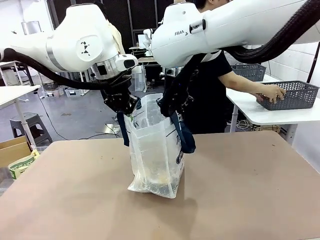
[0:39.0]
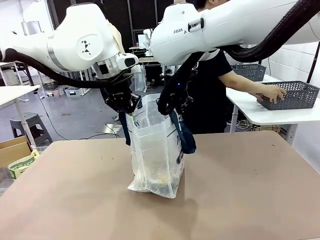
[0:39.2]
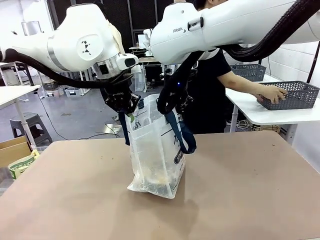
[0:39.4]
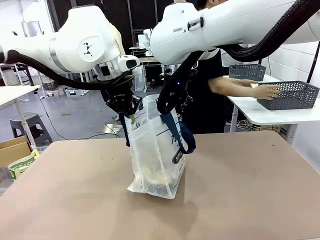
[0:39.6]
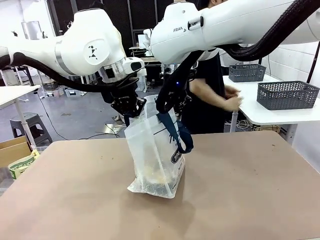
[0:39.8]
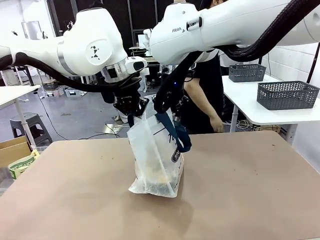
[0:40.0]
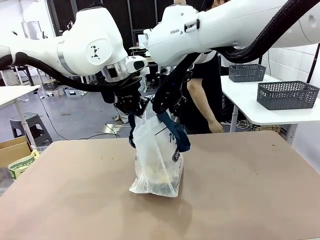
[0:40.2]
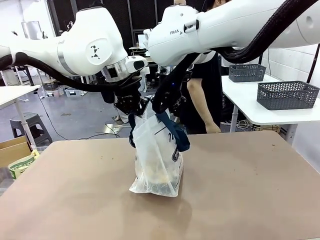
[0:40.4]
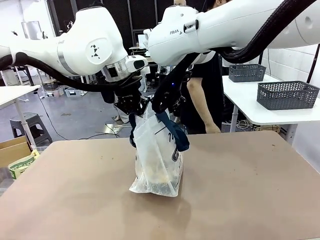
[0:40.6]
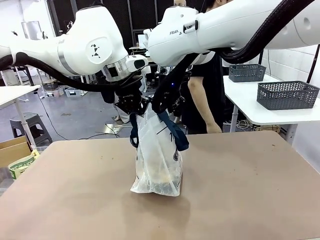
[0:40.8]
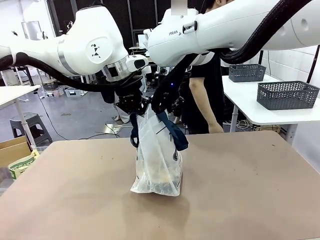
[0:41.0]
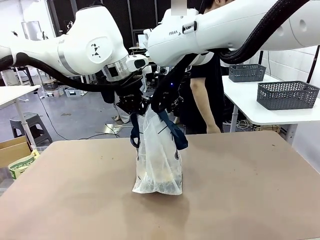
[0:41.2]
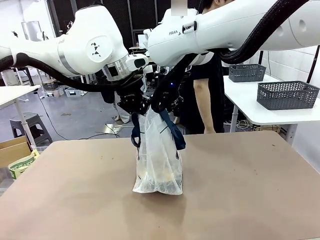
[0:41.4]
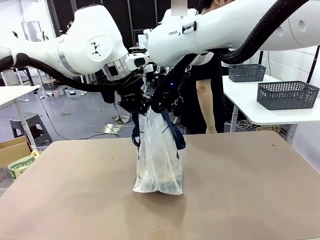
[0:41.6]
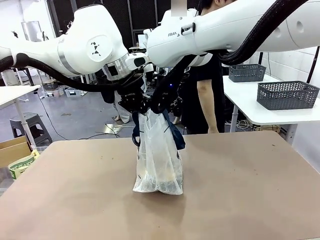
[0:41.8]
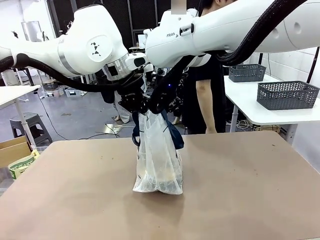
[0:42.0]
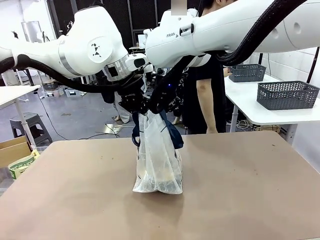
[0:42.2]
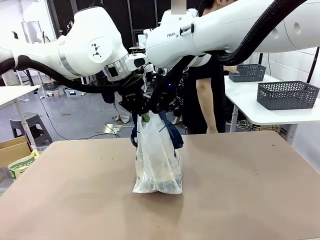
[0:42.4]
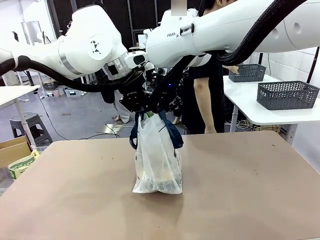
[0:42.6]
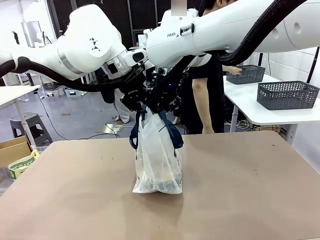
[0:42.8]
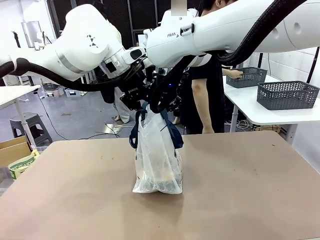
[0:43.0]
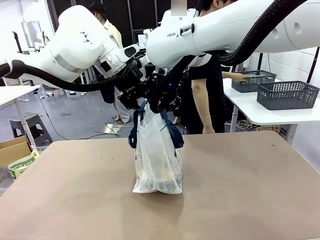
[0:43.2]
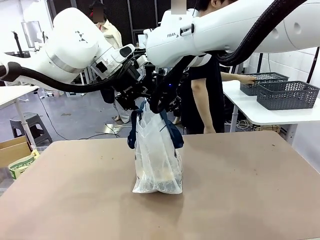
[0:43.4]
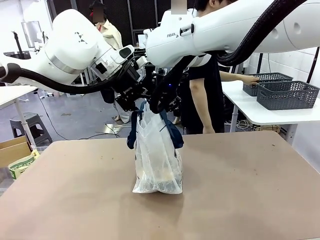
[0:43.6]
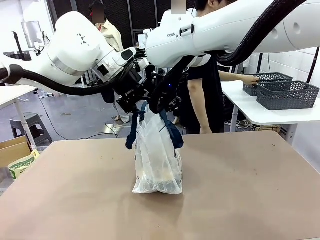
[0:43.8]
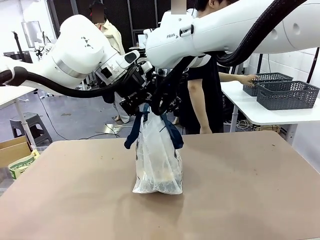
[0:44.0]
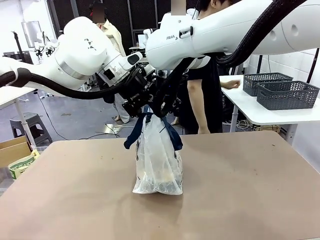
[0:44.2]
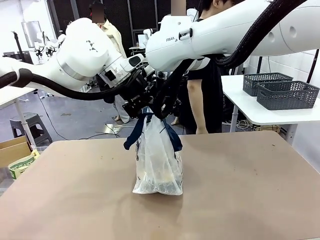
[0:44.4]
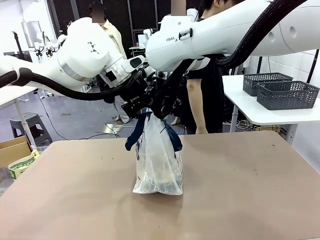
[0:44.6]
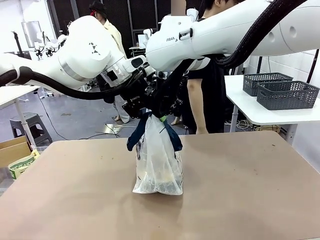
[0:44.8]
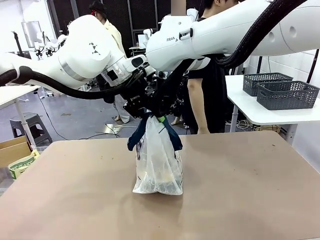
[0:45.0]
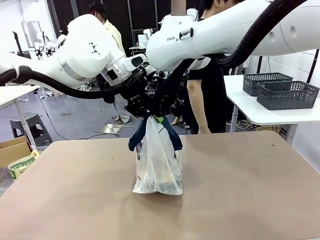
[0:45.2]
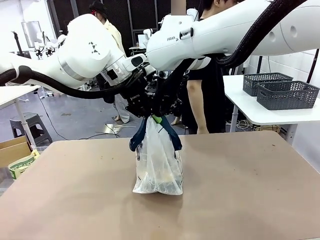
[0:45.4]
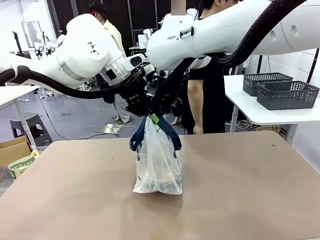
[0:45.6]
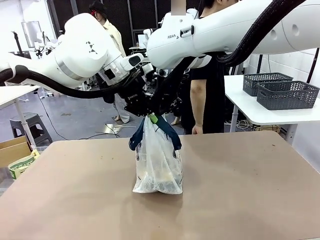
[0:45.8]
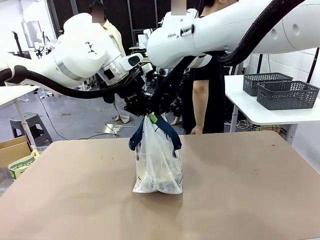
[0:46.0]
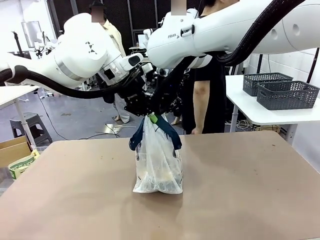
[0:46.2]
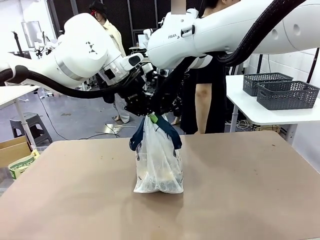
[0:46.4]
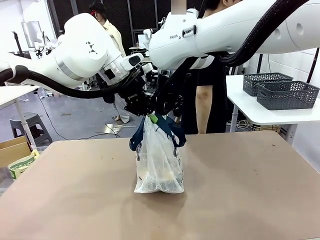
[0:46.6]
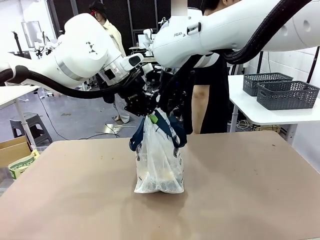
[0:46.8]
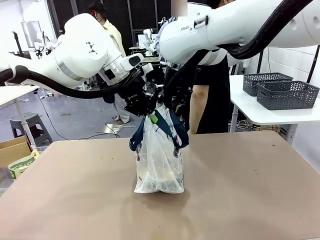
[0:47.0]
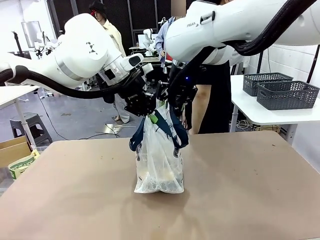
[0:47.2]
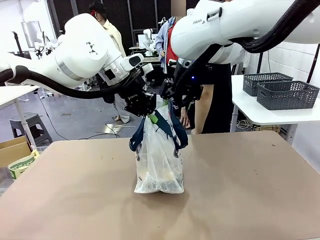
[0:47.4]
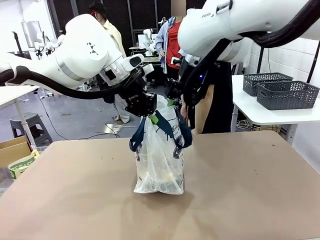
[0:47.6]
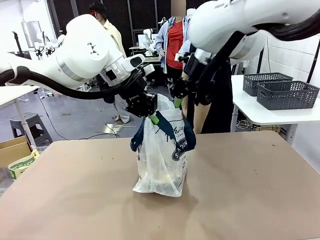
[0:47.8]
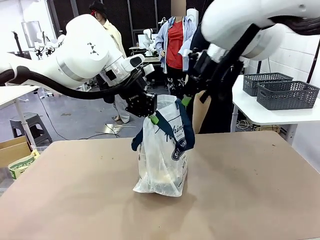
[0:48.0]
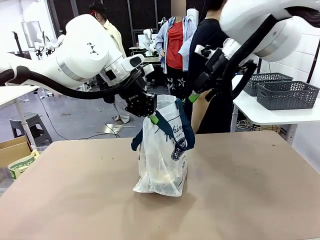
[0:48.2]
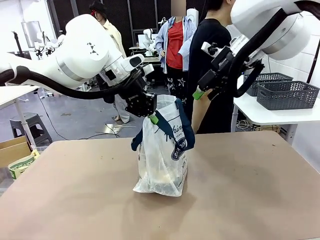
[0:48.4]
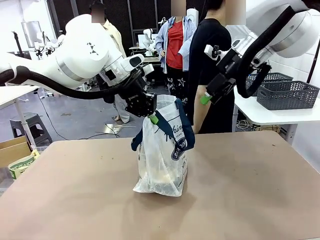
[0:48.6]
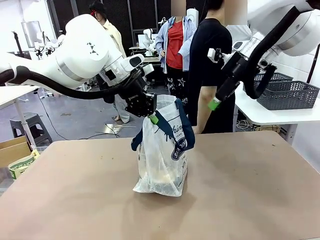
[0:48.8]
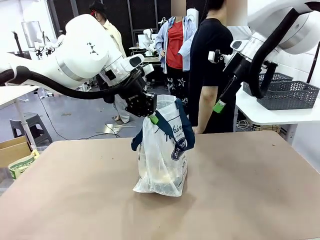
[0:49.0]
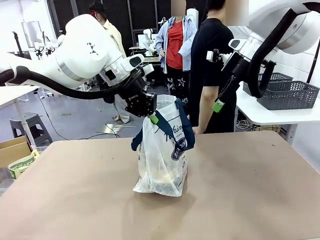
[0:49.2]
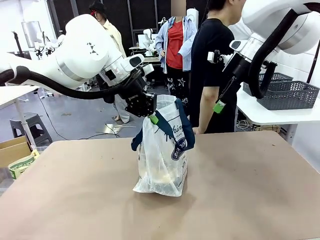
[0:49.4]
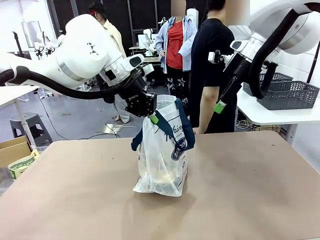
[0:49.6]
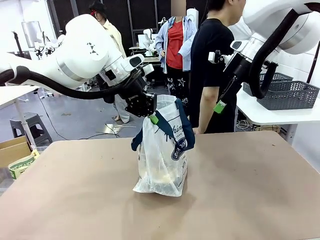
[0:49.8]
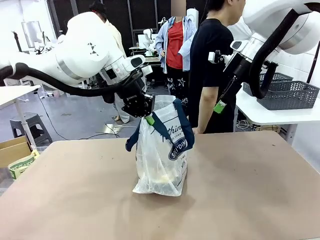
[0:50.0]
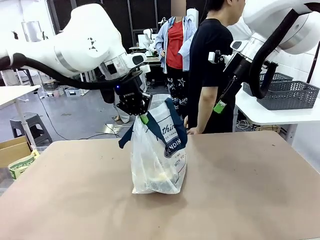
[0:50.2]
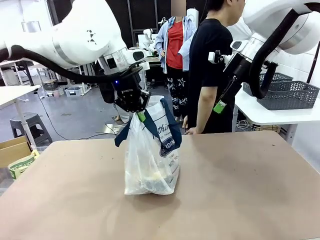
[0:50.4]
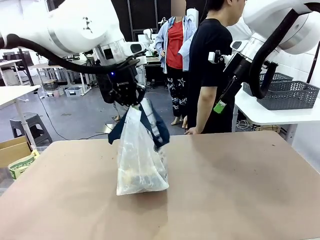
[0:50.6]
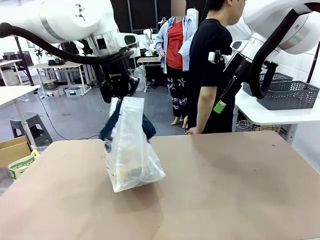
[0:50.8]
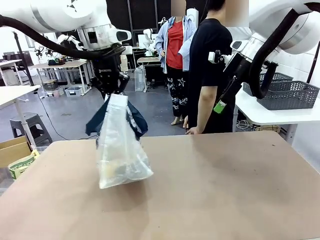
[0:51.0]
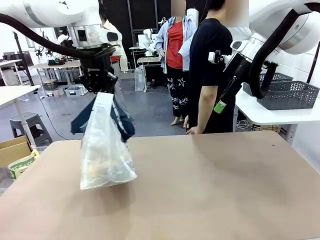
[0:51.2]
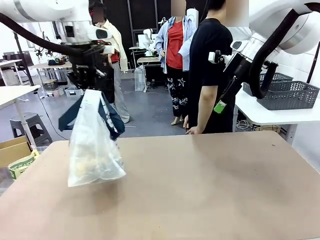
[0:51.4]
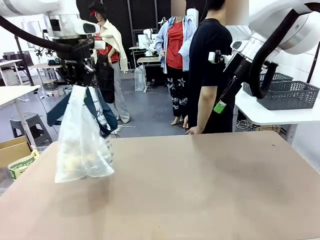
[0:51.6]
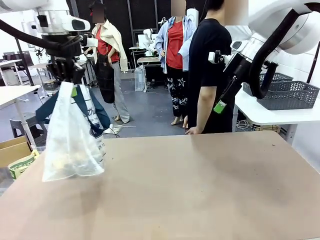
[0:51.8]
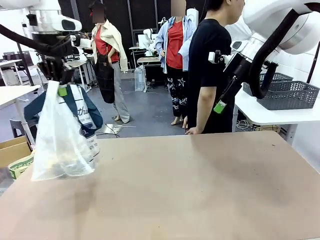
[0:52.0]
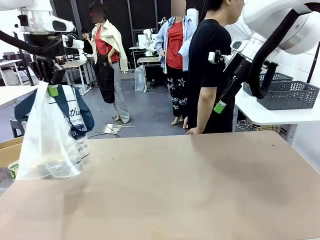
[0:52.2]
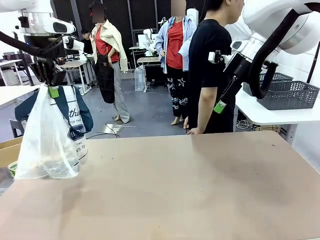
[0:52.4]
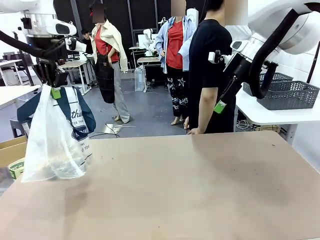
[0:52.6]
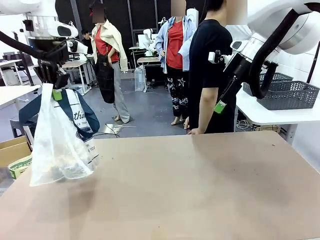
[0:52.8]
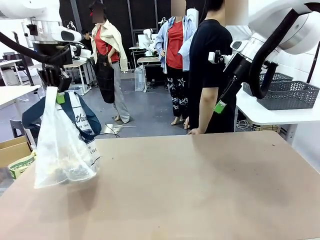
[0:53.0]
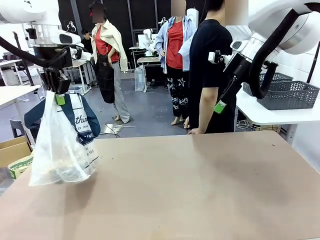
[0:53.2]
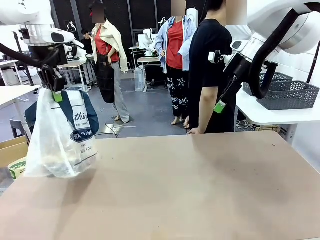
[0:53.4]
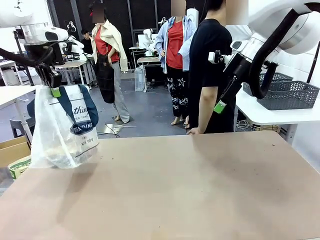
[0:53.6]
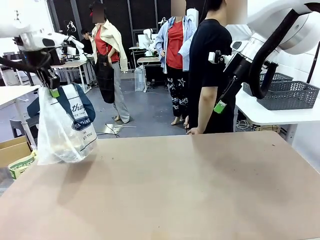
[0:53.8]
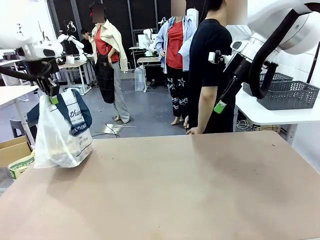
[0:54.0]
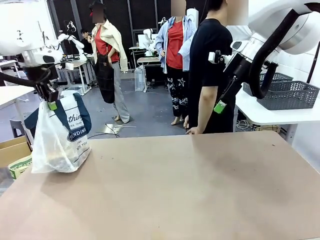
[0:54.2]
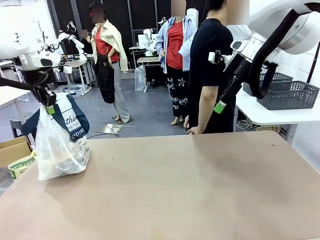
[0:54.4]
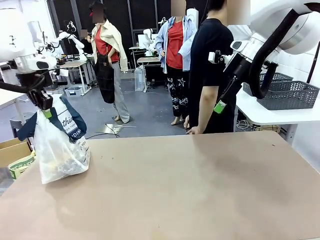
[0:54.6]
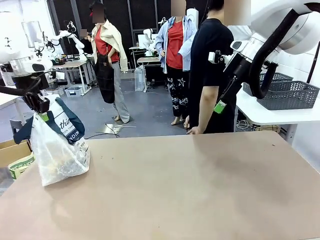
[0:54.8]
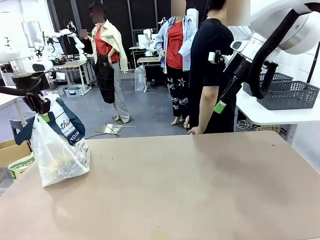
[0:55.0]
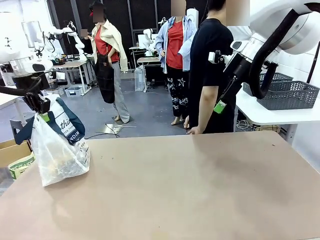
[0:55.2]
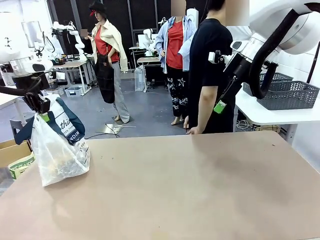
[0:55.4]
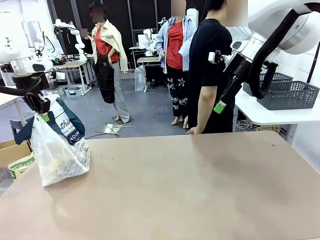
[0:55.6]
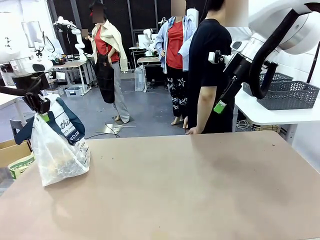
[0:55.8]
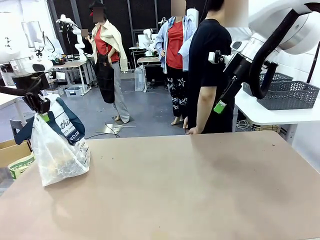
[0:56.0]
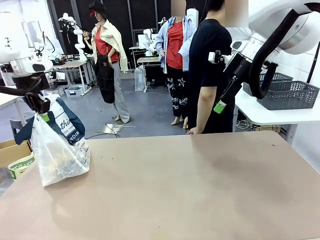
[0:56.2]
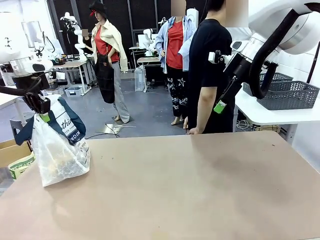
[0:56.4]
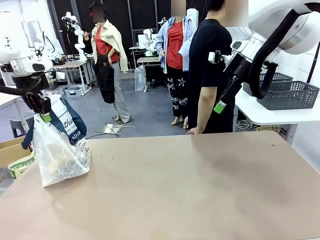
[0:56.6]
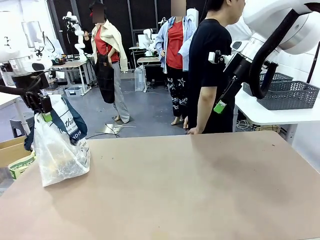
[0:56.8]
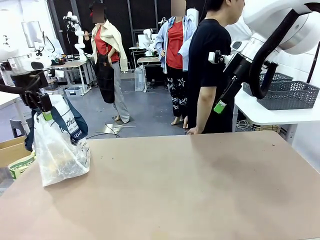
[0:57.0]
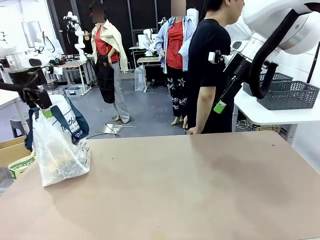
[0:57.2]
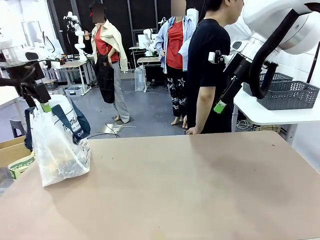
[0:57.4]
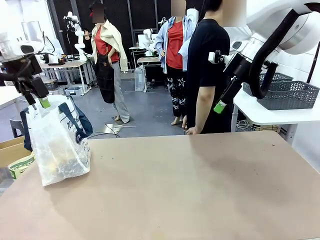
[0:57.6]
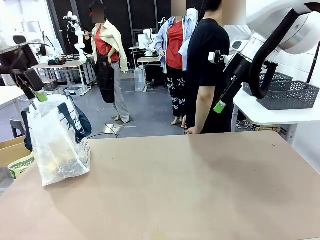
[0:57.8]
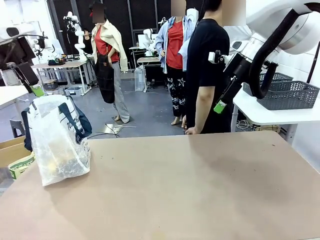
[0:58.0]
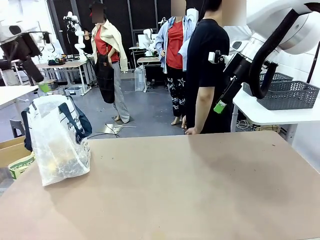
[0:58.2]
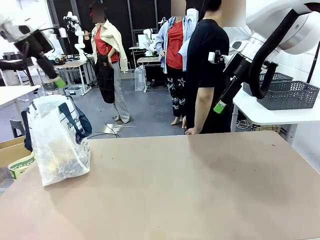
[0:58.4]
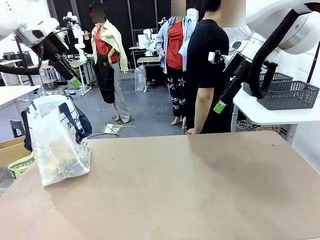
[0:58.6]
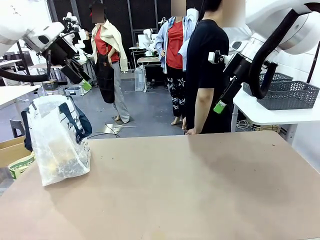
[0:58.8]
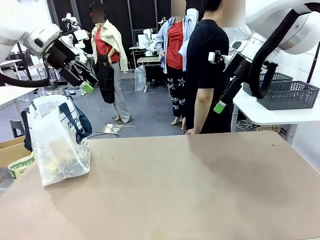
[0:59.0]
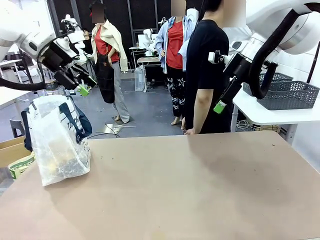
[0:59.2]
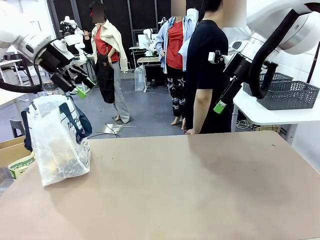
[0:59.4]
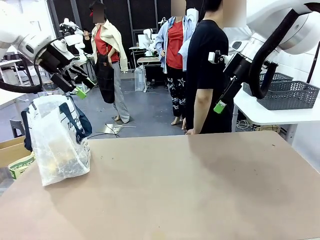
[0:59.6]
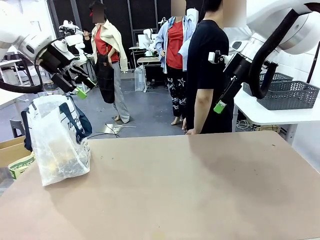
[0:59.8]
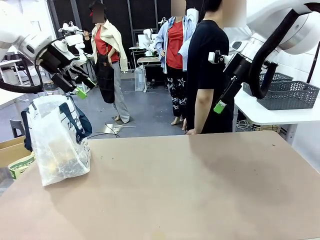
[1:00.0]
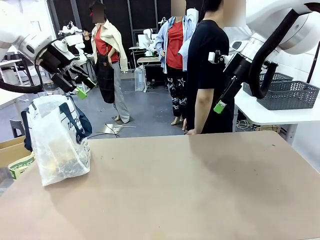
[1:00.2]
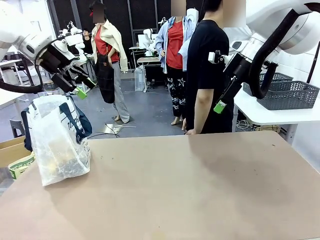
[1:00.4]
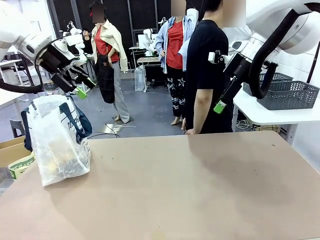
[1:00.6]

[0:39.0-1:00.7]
Task: Transfer purchased items from the store into the shopping bag.
Robot: Move the Reusable shopping bag to the right side of the table.
Person: Move the basket on the left to the middle of the person's table.
